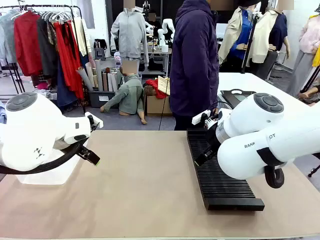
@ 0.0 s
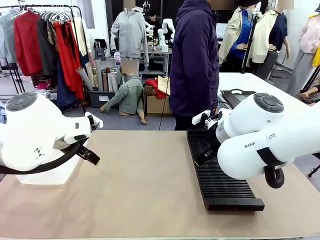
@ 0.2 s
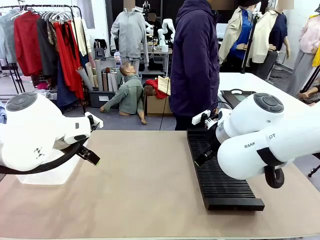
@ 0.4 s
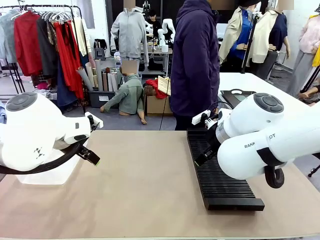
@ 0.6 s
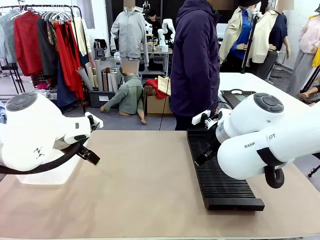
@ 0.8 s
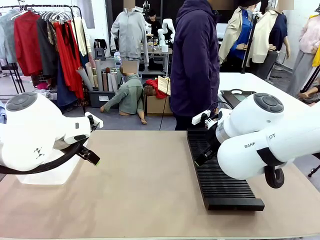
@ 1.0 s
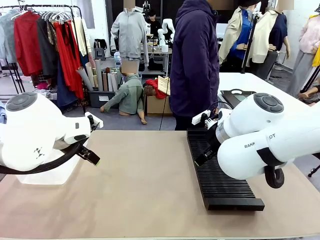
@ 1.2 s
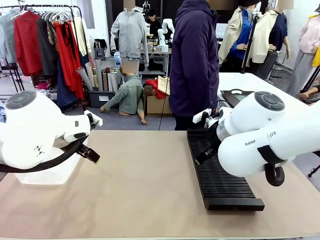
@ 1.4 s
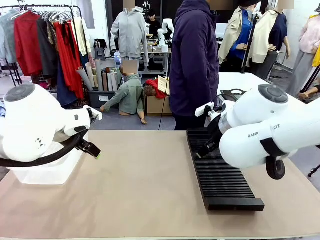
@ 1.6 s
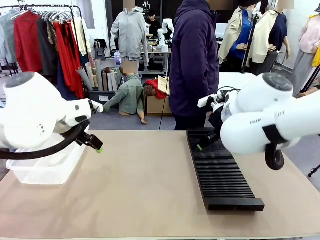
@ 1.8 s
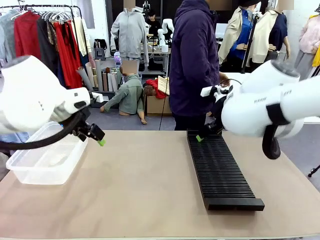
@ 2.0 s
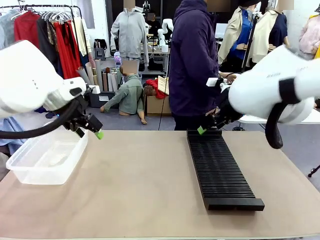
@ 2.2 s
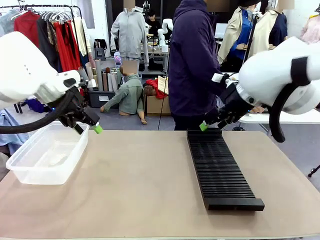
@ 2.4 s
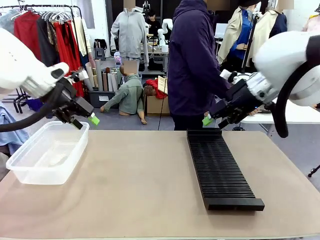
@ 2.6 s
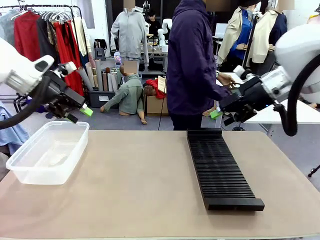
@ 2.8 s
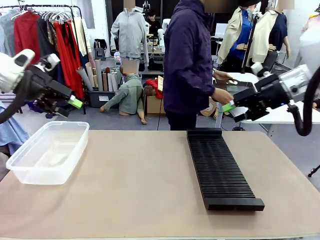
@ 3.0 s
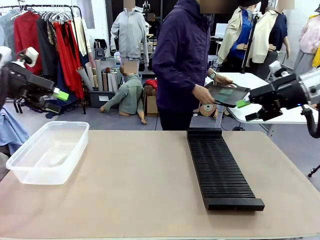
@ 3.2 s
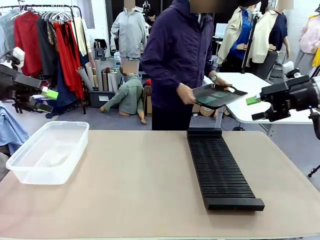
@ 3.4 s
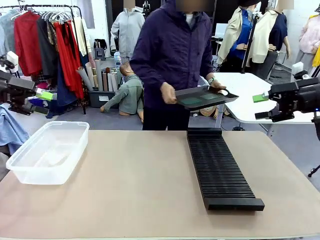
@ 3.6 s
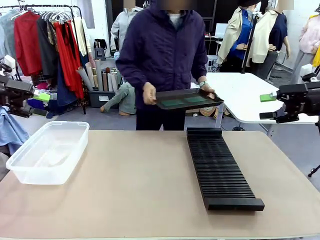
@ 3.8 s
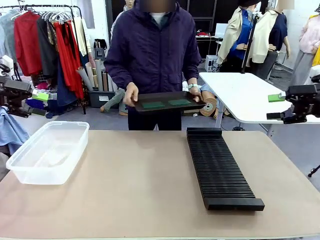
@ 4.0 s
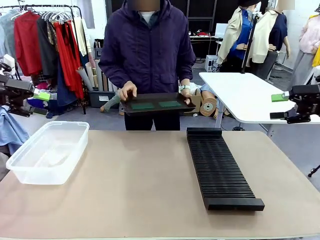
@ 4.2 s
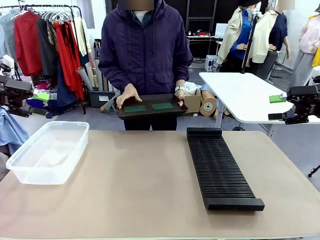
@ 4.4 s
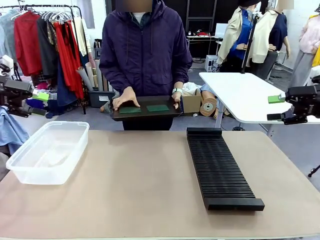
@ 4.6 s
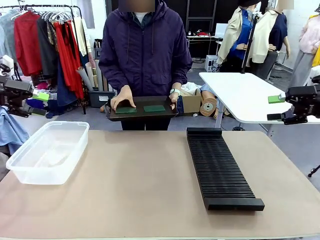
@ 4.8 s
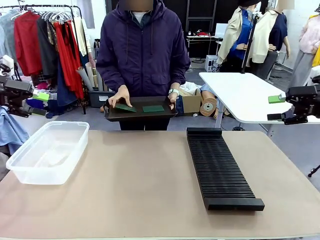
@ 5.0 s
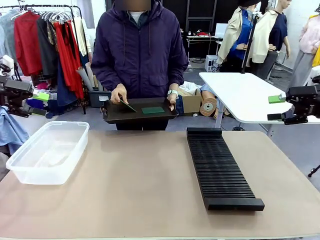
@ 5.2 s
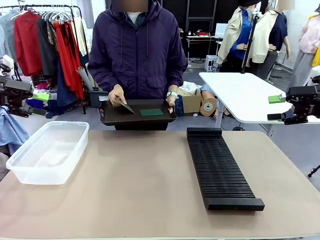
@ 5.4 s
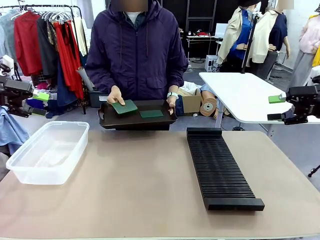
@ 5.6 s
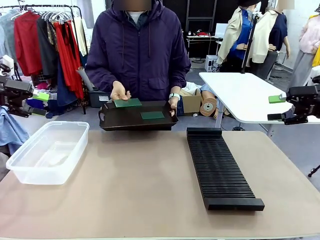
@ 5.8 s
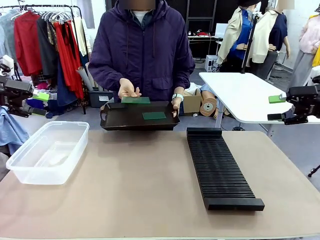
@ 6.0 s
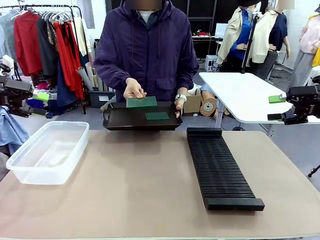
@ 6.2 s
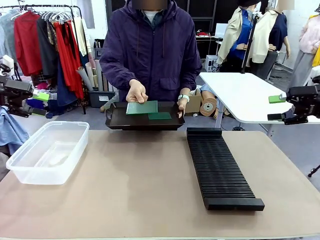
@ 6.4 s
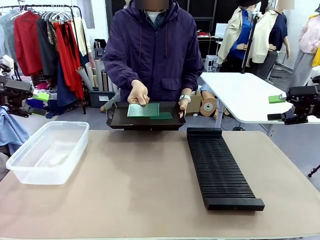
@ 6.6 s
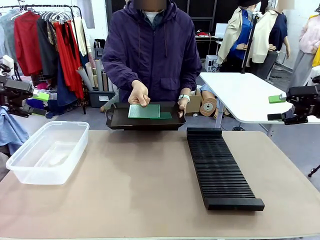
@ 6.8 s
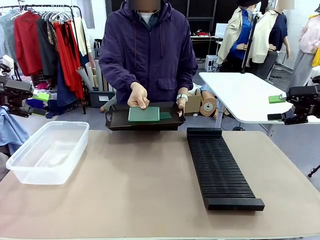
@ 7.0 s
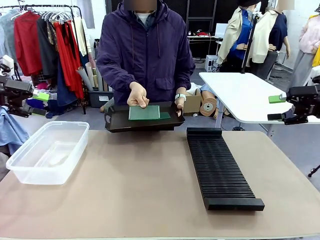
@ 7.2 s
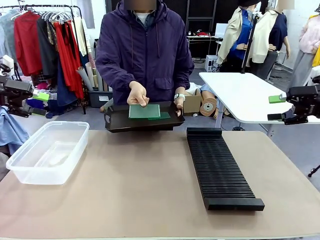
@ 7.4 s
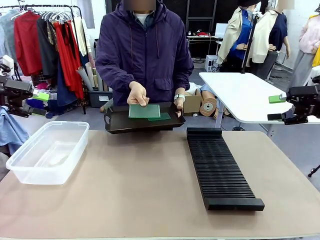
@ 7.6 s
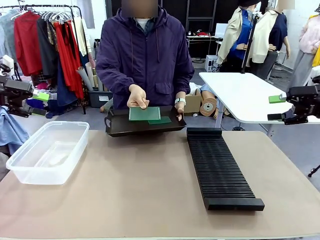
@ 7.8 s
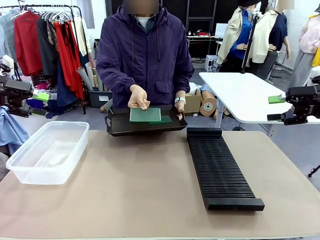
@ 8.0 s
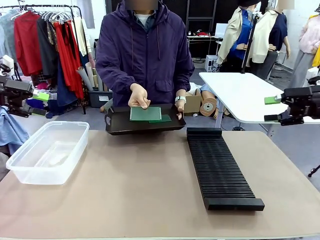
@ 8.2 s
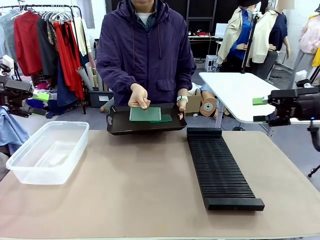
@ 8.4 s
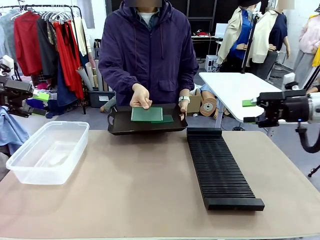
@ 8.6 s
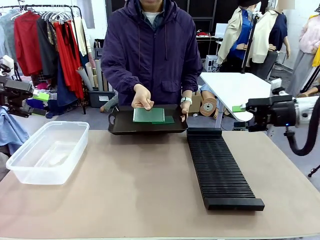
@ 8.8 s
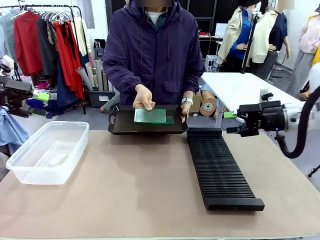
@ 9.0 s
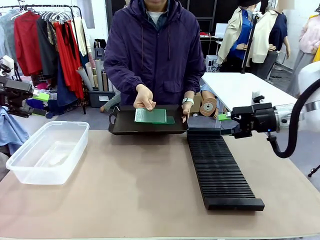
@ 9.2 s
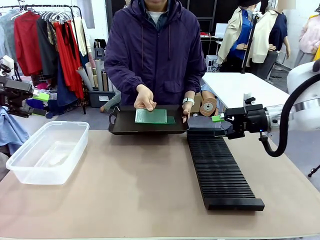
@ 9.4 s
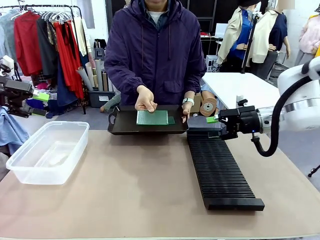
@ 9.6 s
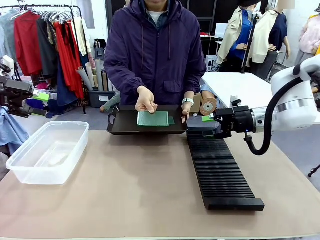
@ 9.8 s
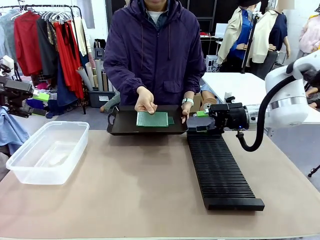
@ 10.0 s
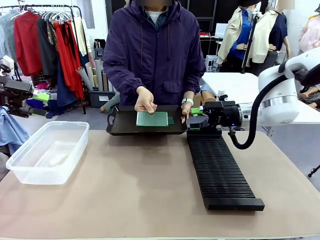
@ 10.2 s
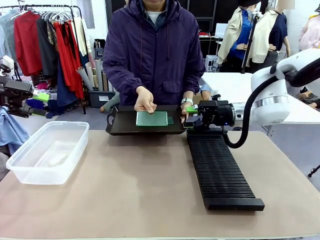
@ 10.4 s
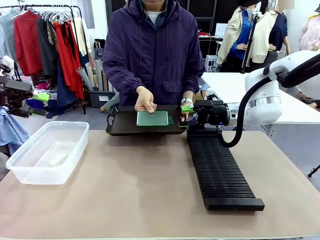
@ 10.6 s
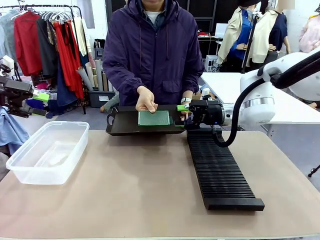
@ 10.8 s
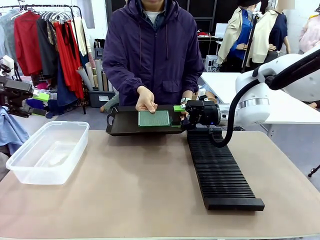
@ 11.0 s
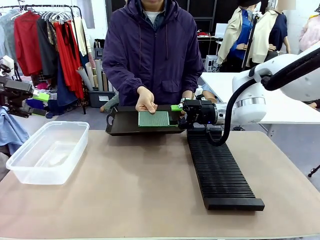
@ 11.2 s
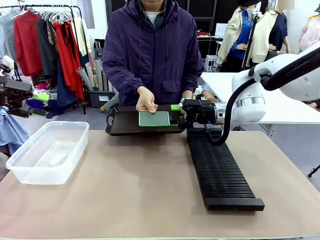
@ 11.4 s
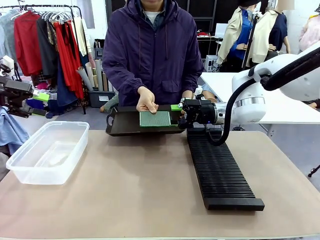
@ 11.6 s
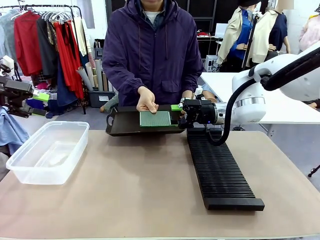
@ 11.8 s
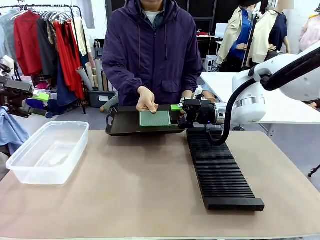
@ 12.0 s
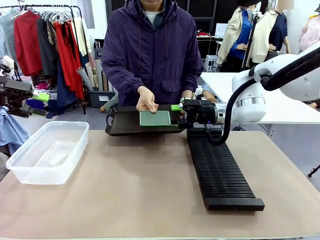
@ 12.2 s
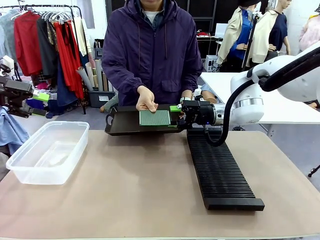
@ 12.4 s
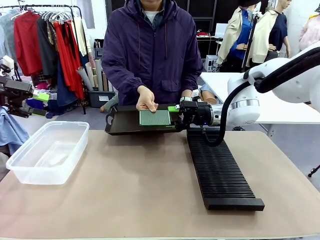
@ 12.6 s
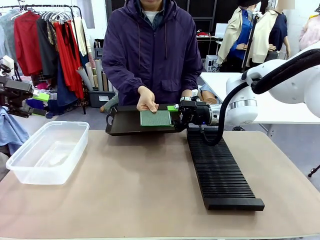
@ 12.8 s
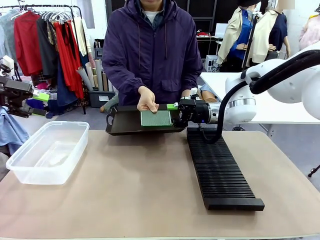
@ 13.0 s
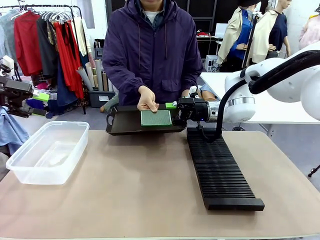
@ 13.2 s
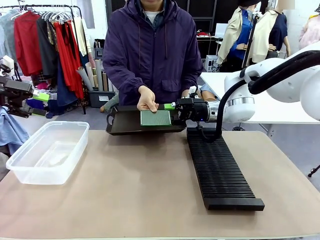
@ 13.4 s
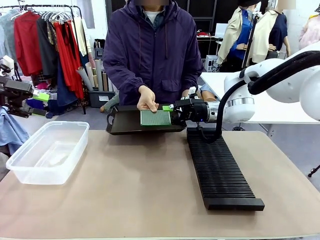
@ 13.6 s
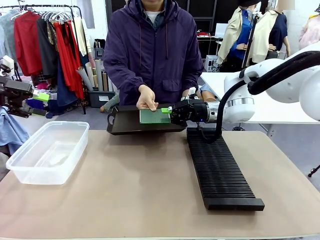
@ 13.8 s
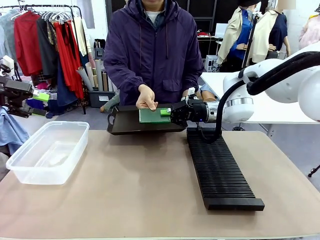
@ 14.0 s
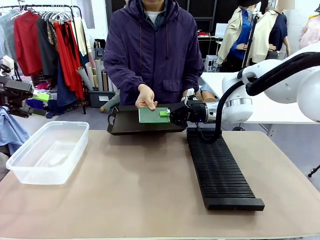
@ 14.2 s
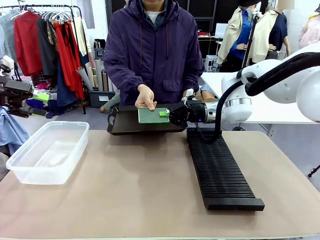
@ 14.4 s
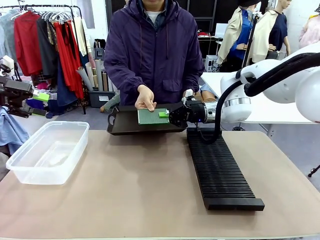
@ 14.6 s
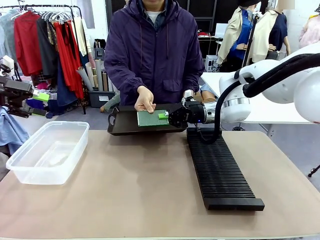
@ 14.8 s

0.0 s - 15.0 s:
Task: Sort PCBs into racks and boxes based on the side picked up.
Robot: Pick up the Blank PCB handed by the Human.
Person: Pick one PCB from the tray and present it to the robot. Release the PCB being held.
